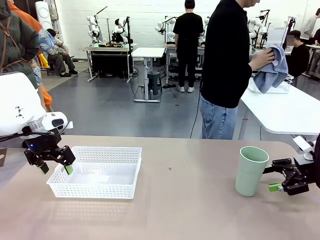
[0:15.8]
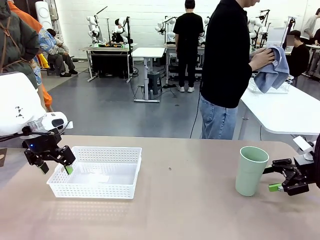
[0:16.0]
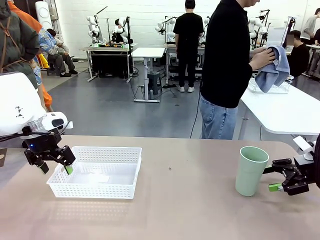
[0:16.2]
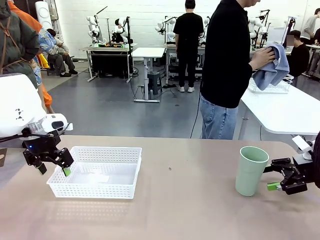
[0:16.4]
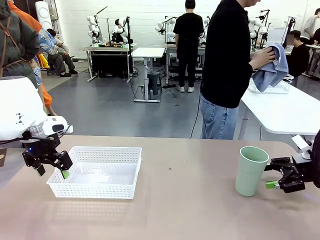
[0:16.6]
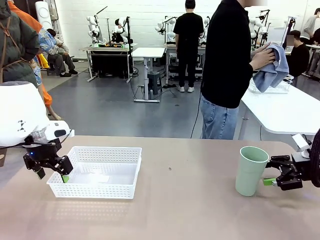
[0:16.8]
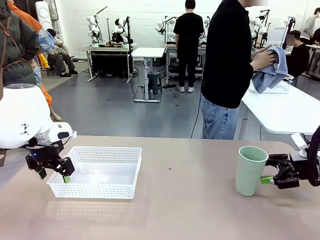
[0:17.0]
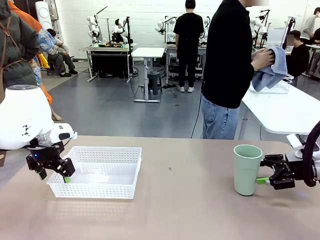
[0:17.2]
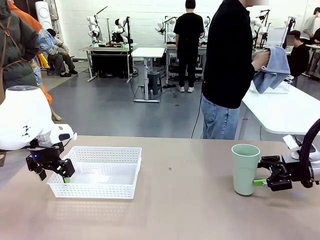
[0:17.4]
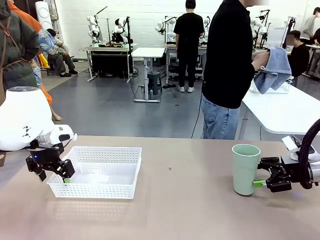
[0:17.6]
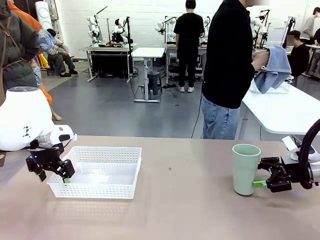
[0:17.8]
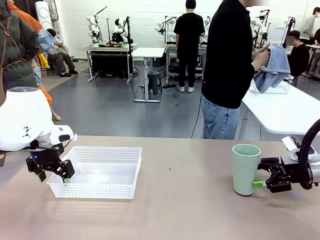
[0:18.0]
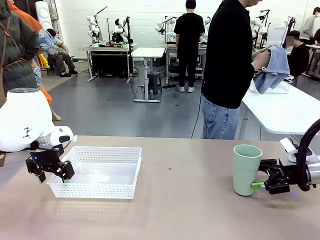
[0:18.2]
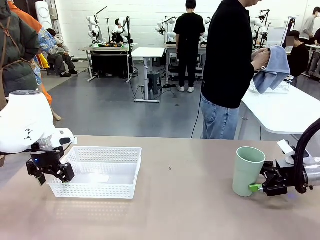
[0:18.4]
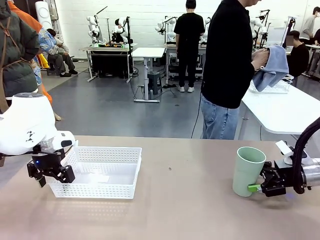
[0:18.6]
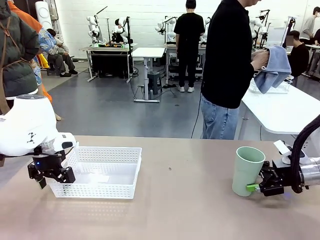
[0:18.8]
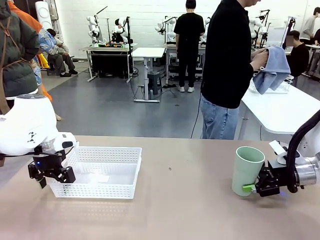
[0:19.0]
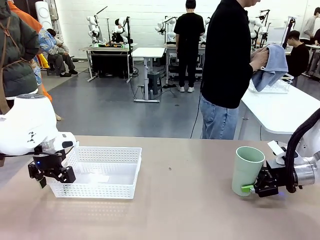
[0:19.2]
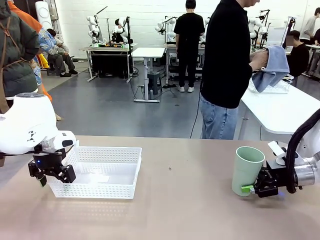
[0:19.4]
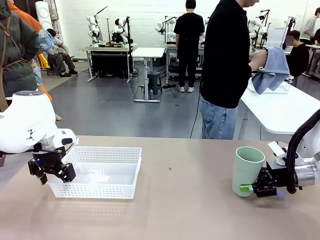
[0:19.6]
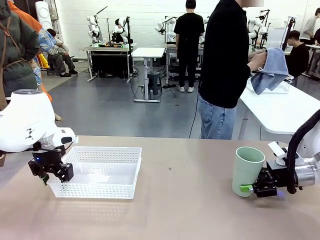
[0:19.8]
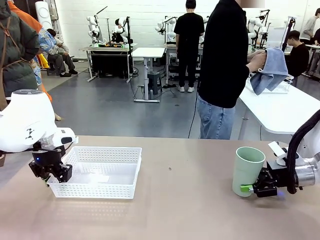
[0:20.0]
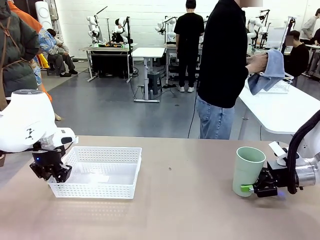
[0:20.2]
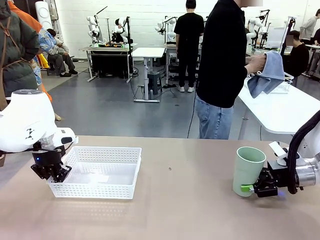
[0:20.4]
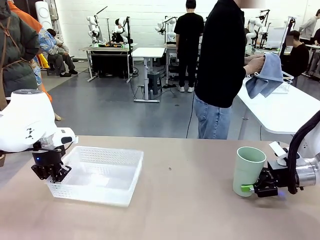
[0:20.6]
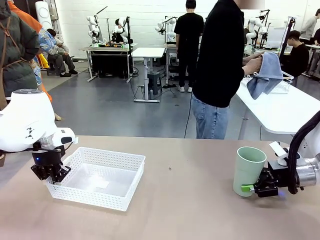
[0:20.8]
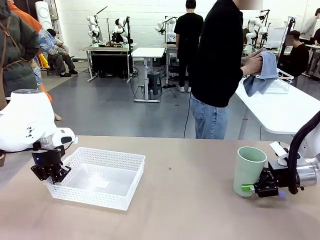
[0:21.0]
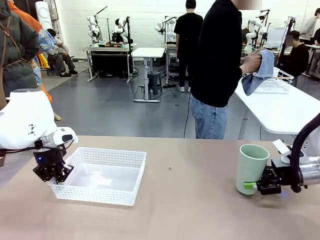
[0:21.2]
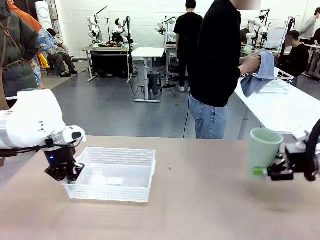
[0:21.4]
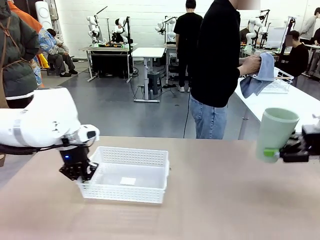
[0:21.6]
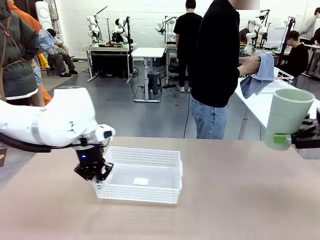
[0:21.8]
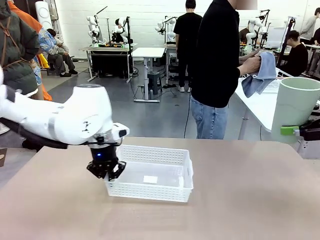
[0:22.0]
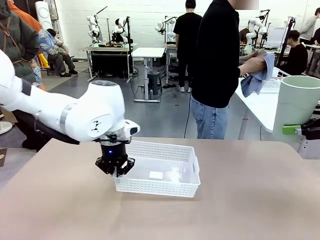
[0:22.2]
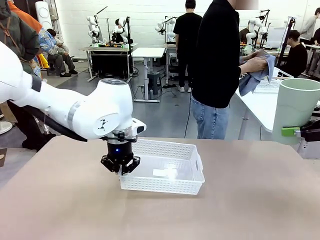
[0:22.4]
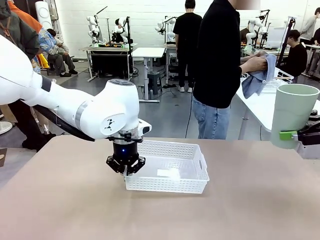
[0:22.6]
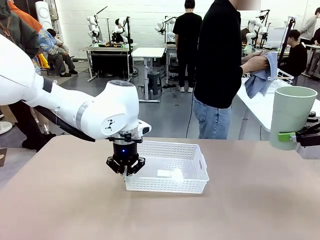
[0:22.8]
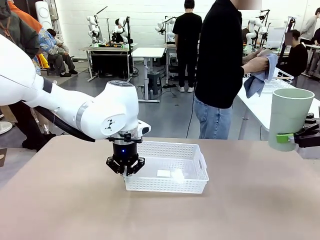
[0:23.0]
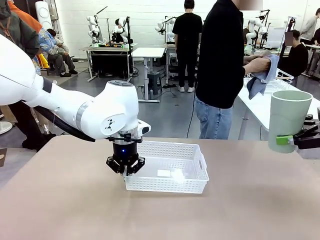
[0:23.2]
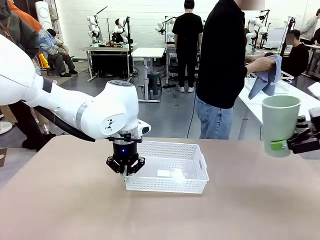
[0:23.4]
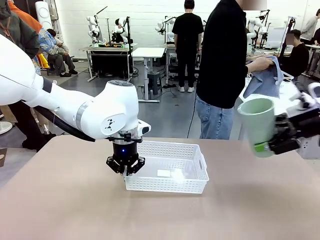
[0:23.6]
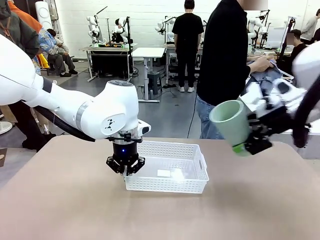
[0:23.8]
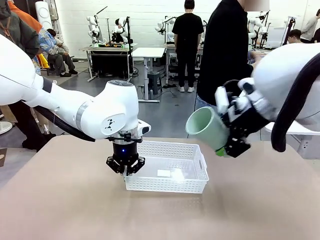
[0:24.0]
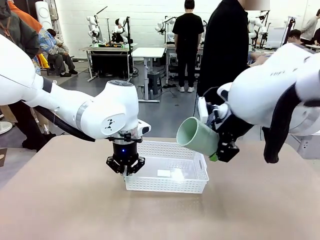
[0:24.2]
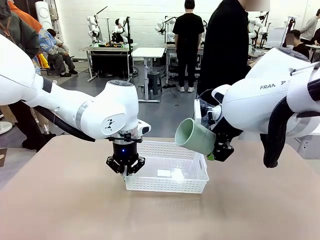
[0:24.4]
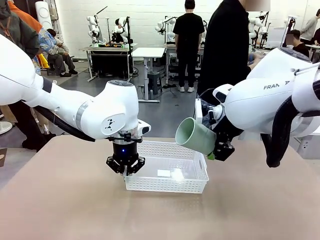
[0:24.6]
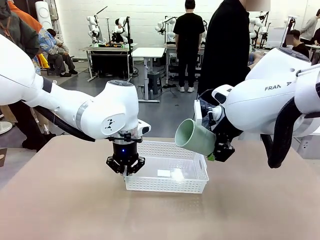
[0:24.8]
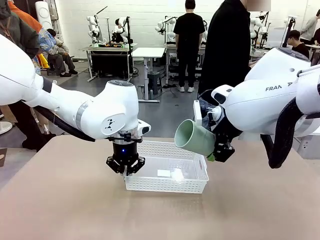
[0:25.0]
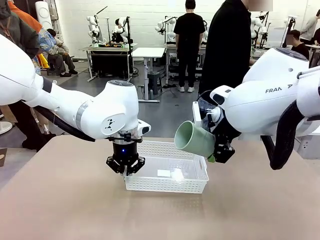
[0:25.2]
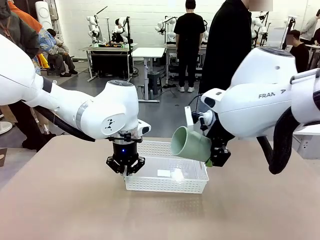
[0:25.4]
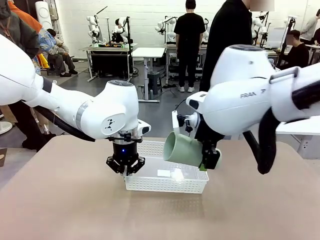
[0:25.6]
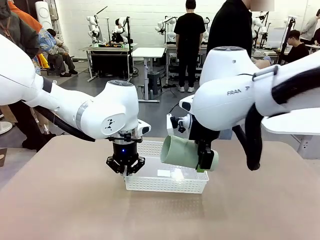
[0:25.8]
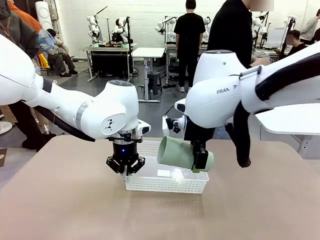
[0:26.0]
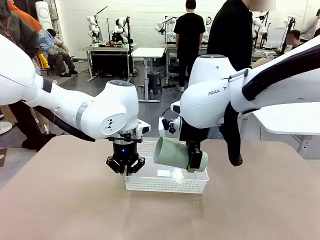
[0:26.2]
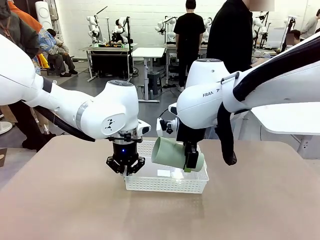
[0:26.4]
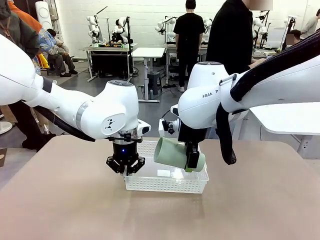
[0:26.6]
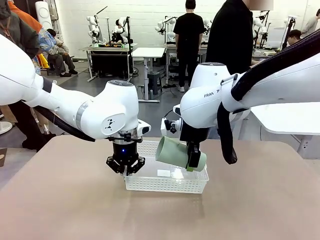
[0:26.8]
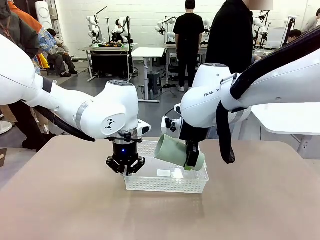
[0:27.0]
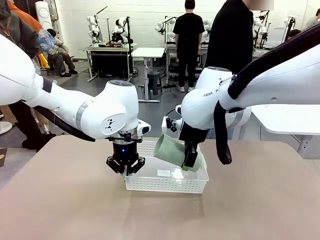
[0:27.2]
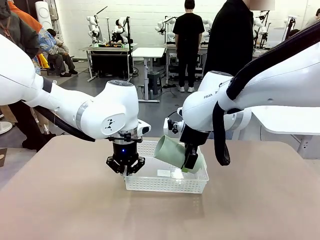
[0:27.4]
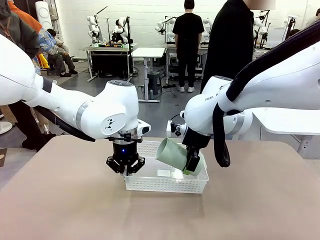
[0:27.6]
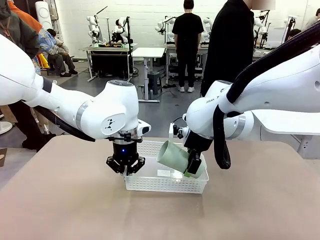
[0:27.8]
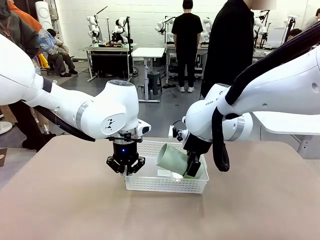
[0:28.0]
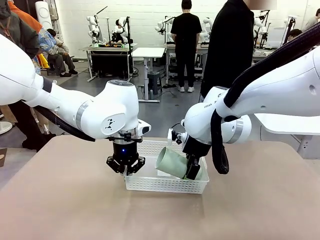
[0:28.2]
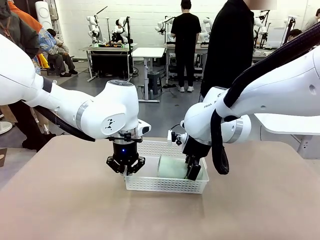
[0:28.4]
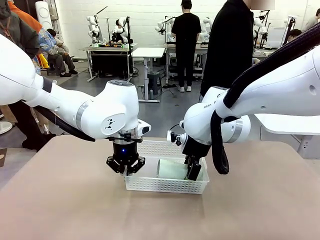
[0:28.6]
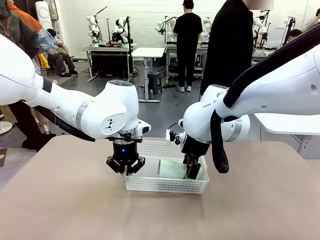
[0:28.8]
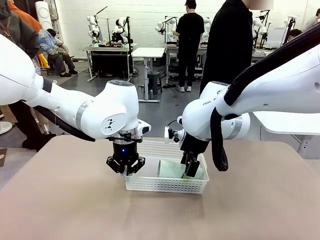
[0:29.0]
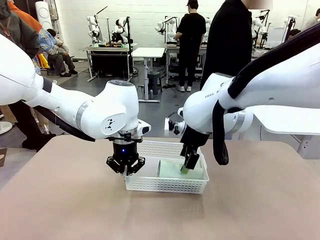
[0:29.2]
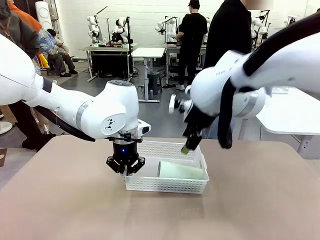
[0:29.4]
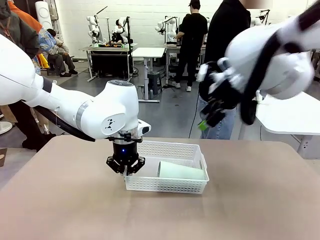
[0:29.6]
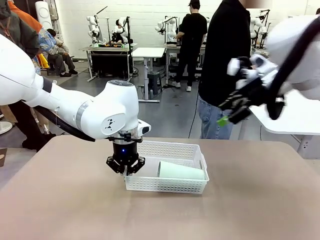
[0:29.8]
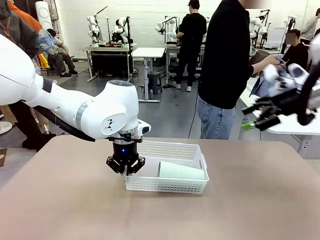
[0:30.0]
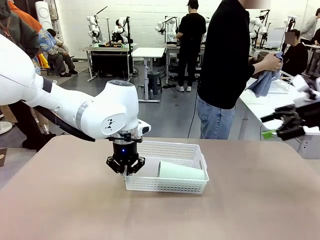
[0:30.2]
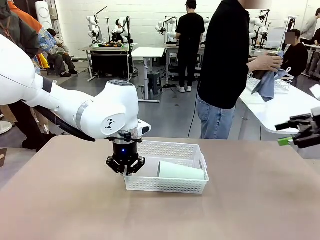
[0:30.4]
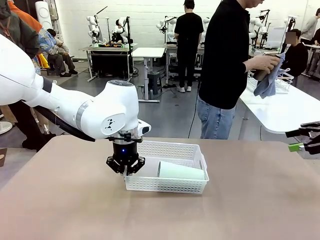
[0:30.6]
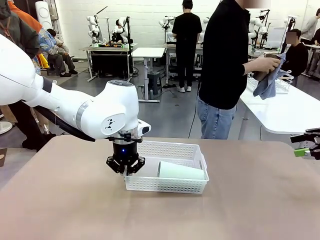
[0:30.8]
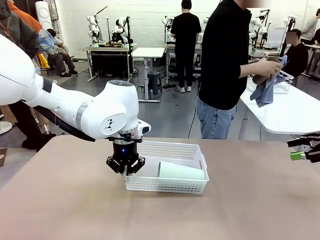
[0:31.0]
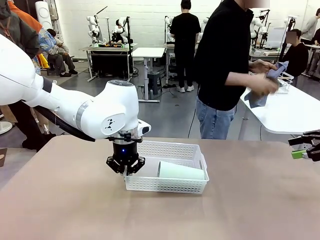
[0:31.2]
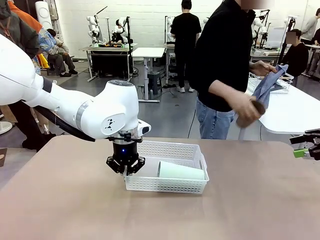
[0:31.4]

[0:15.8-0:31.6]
Task: Clean and organize the cups into the basket.
Robot: Pick up the Organizing basket and move it to the center of the table, then pick up the Reusable plastic cup from the right side of the table and place it inside the Organizing basket.
